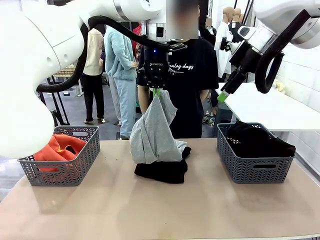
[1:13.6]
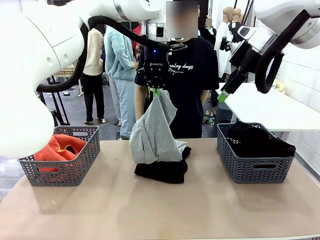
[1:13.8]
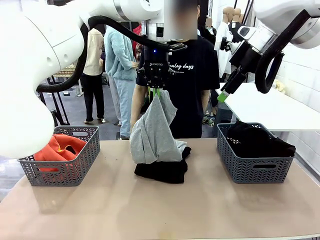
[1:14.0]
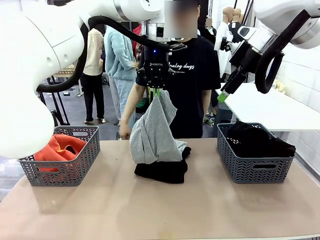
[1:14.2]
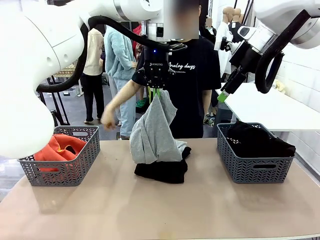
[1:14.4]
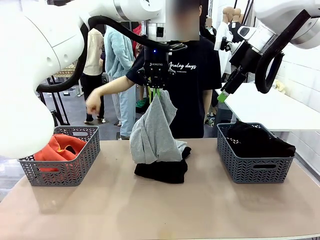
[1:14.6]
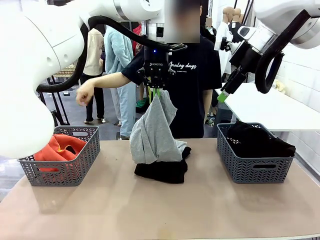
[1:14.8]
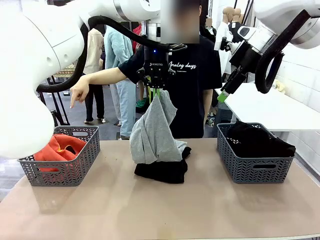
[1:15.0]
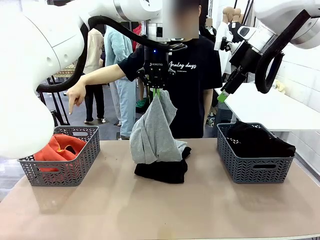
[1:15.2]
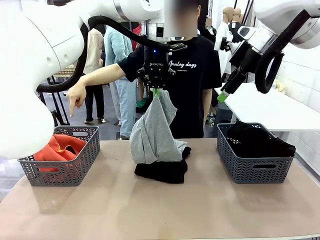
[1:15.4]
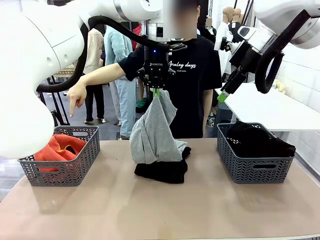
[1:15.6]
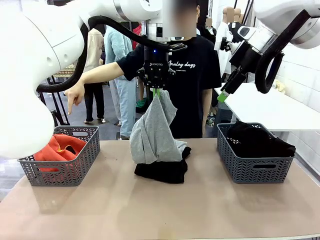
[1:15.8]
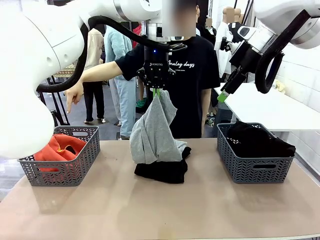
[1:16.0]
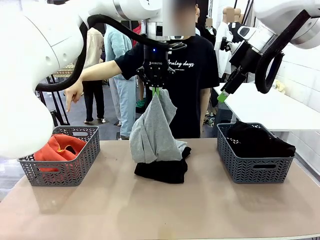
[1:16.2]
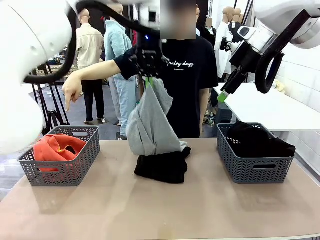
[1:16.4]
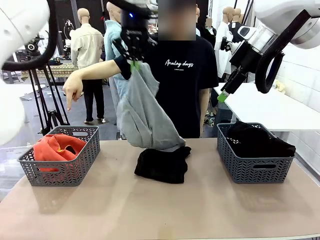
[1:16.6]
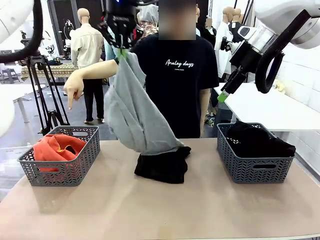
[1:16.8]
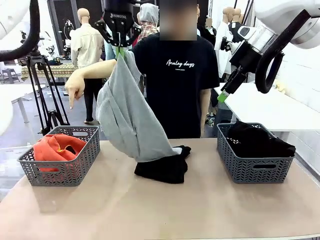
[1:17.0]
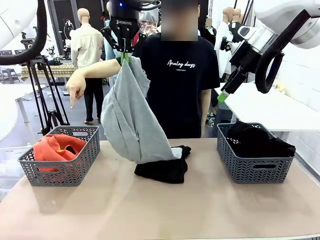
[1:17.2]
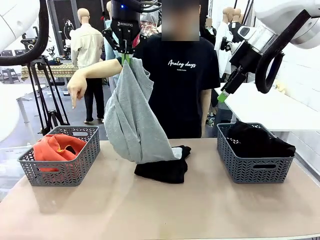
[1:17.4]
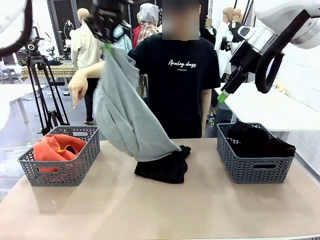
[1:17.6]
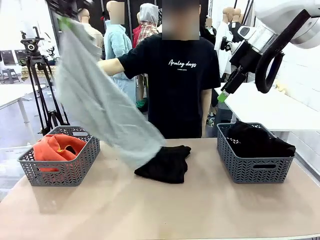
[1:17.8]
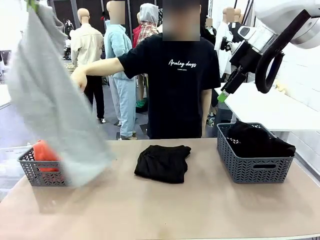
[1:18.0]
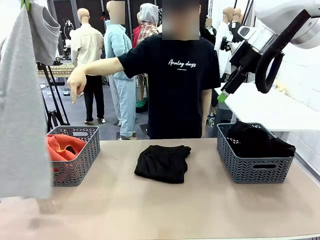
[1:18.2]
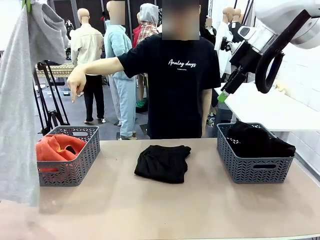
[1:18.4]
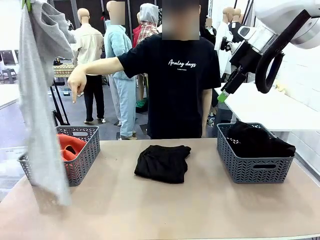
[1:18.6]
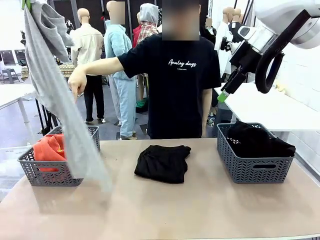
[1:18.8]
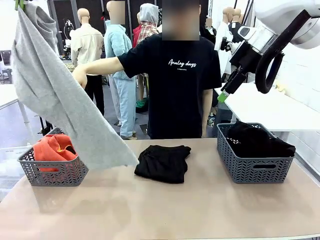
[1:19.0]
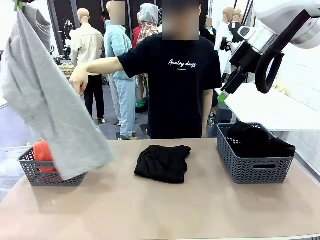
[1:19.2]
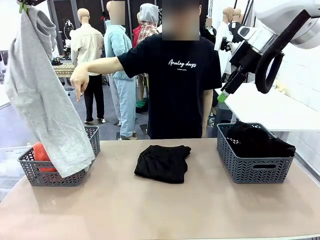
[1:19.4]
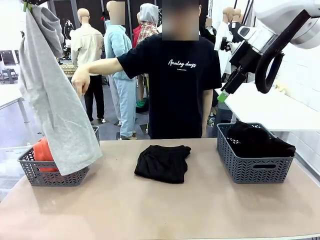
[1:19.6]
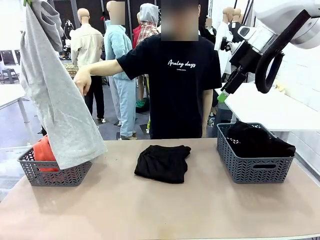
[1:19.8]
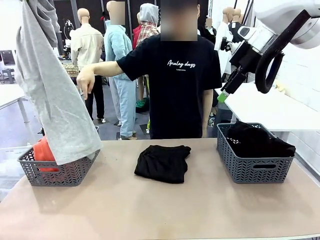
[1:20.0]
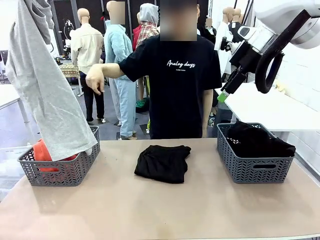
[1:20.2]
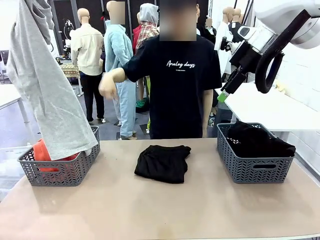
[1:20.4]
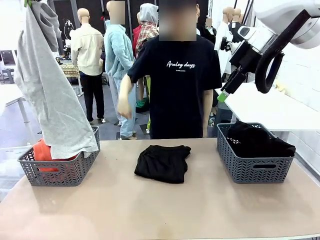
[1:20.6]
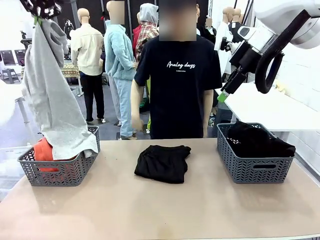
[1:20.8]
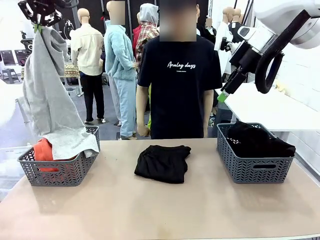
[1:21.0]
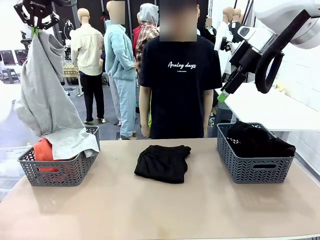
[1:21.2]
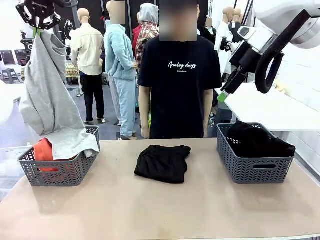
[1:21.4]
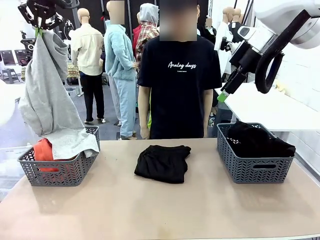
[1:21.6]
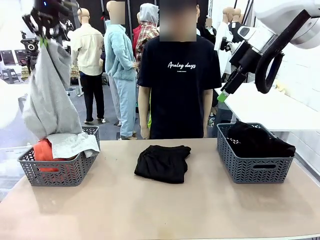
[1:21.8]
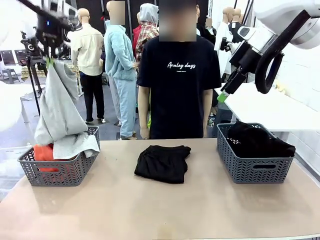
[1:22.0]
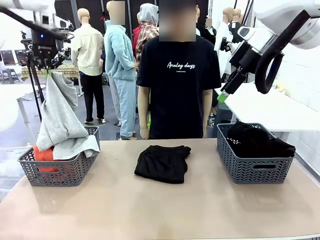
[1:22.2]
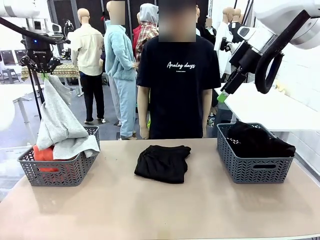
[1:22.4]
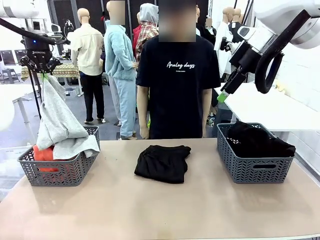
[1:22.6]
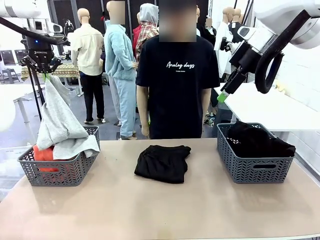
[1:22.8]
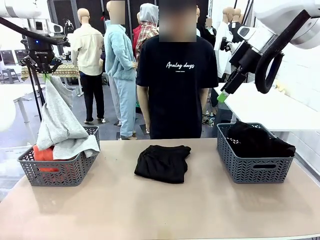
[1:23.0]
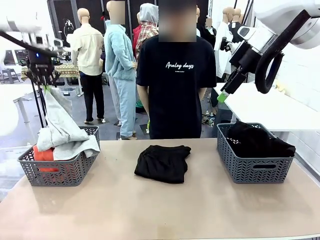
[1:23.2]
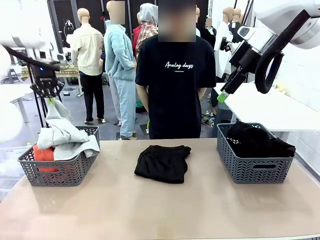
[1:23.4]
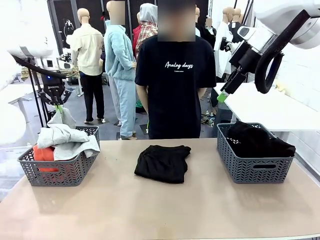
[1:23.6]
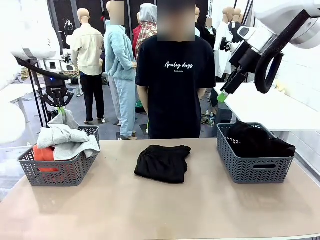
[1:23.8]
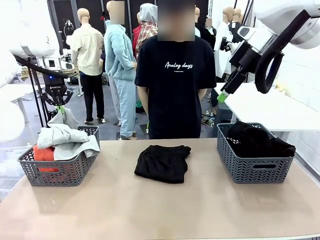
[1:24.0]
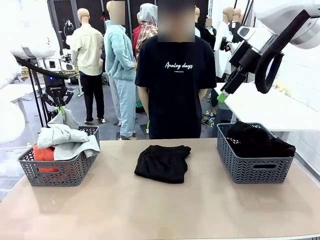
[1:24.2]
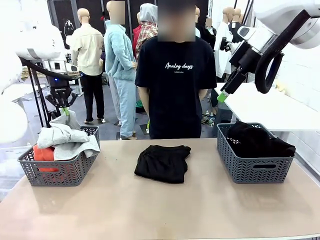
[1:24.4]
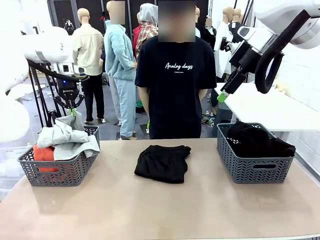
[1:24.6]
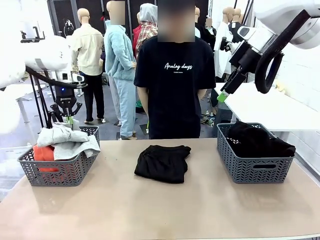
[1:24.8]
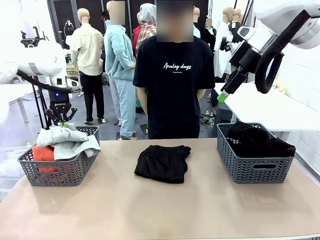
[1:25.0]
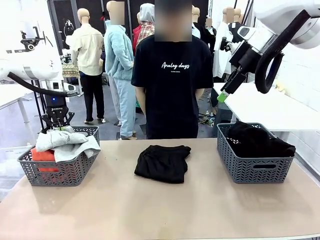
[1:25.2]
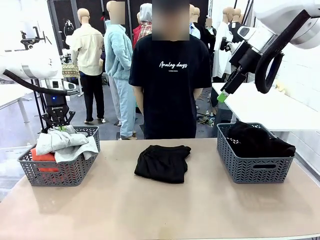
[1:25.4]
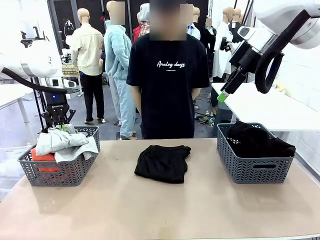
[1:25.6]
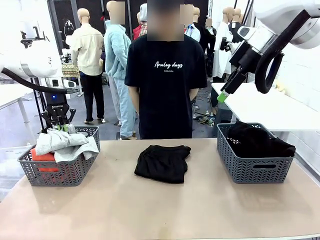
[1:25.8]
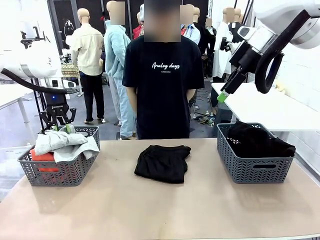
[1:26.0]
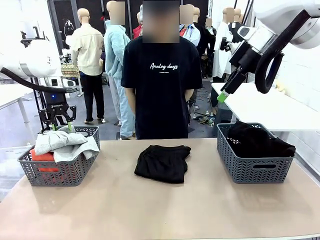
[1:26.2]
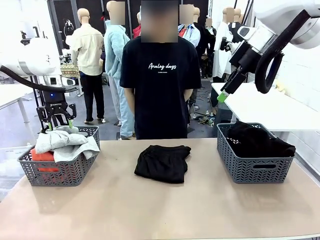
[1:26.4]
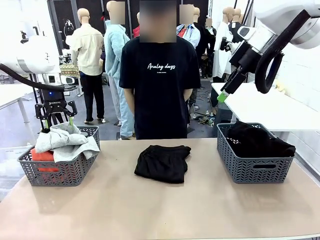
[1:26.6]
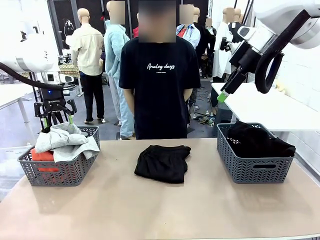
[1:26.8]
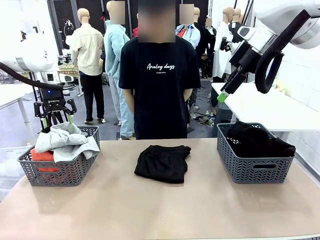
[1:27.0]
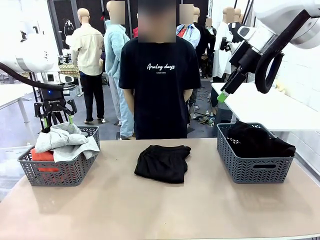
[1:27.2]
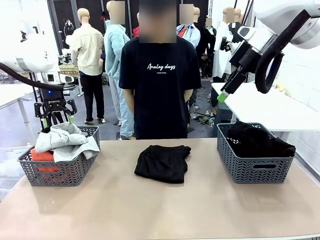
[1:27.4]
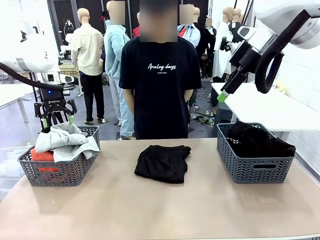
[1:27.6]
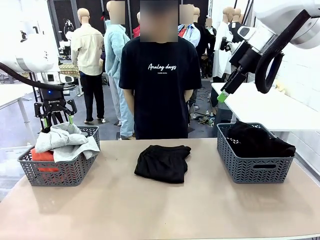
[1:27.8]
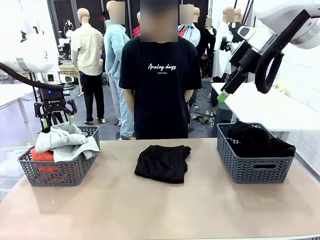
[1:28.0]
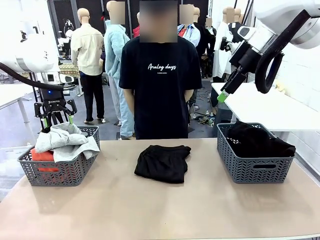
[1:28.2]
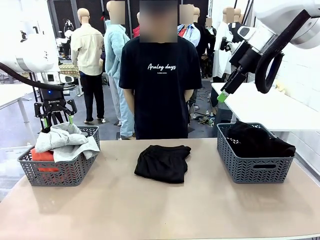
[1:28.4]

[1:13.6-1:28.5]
Task: Sort the tops and bottoms.
Robot: Sort the clothes according to human instructions.
